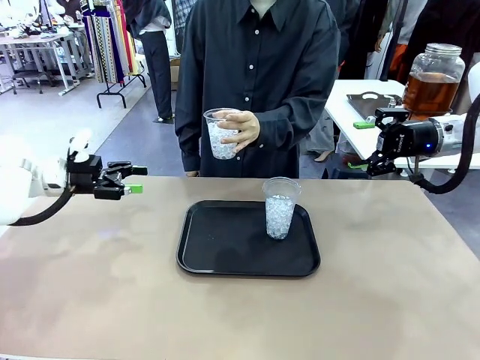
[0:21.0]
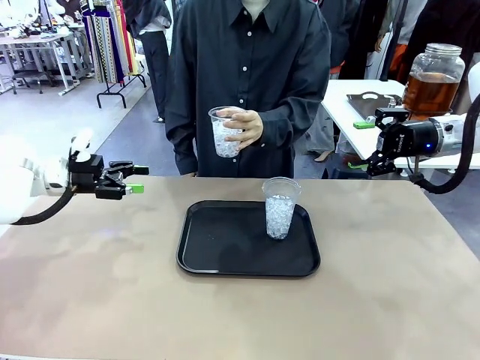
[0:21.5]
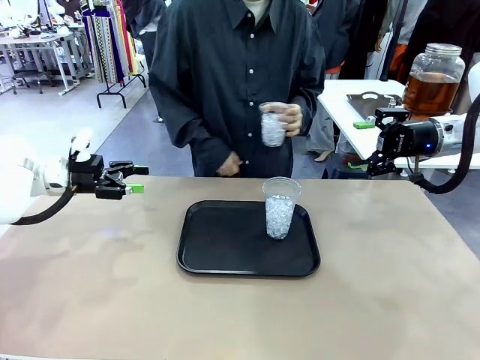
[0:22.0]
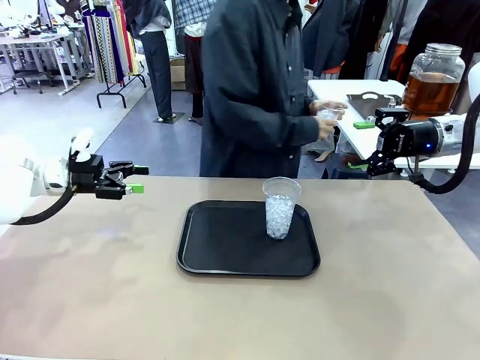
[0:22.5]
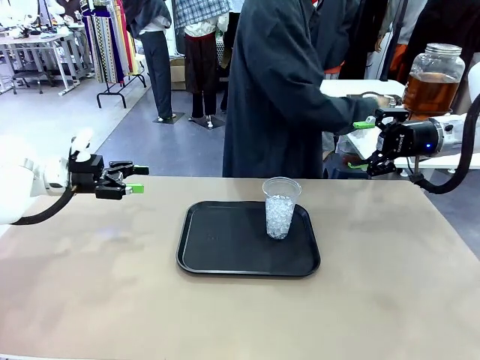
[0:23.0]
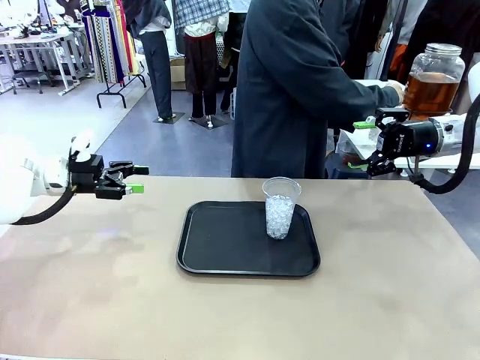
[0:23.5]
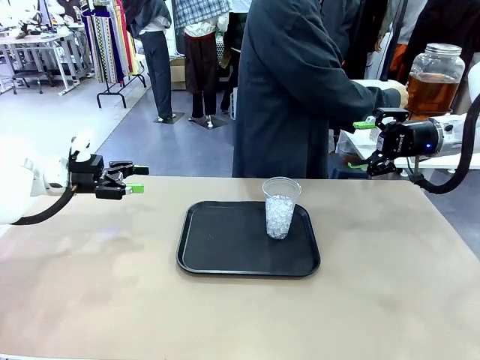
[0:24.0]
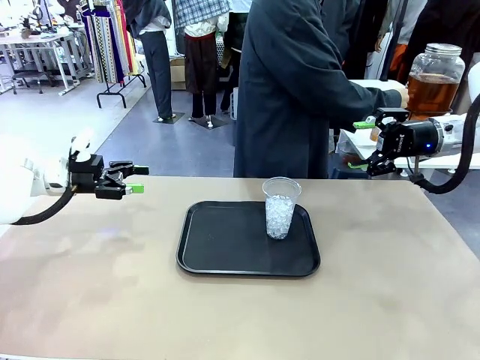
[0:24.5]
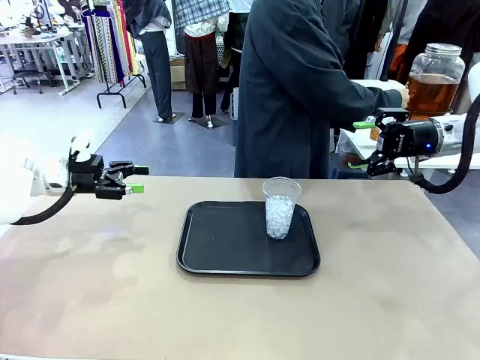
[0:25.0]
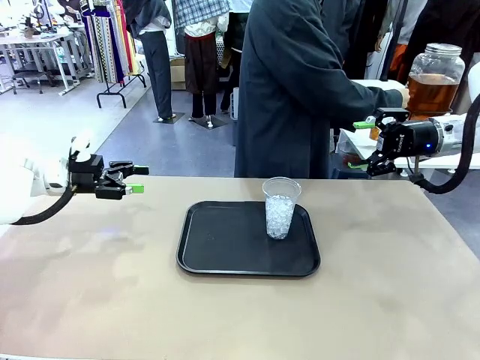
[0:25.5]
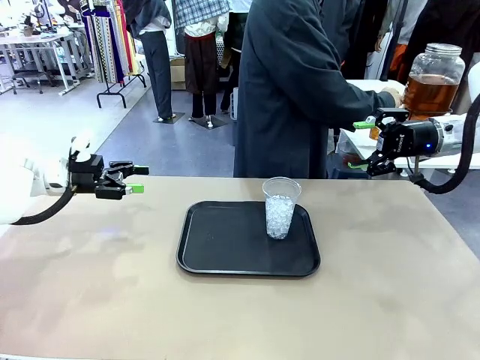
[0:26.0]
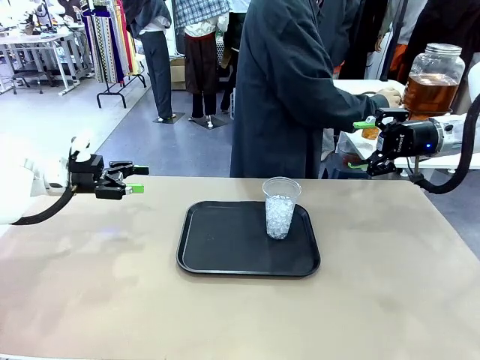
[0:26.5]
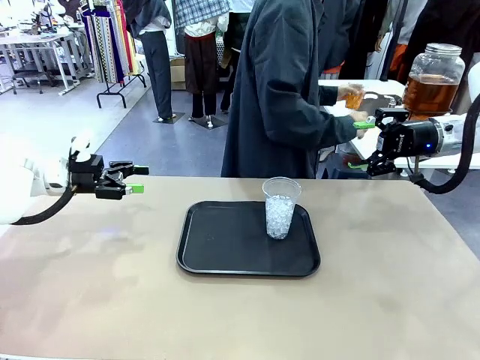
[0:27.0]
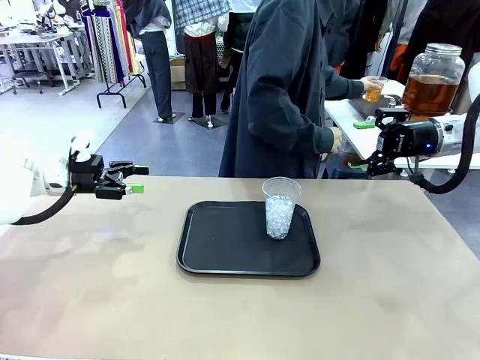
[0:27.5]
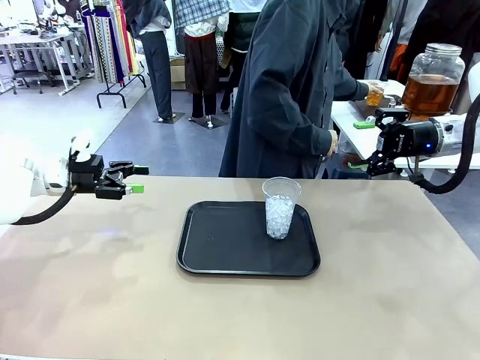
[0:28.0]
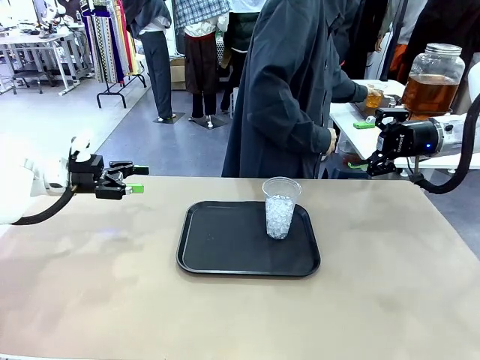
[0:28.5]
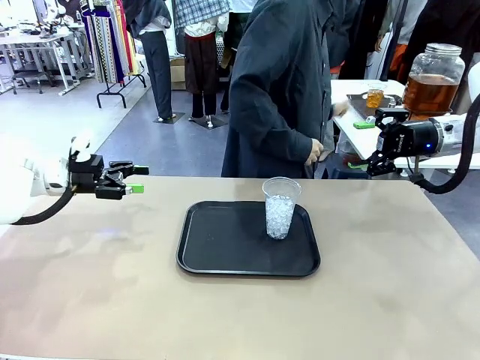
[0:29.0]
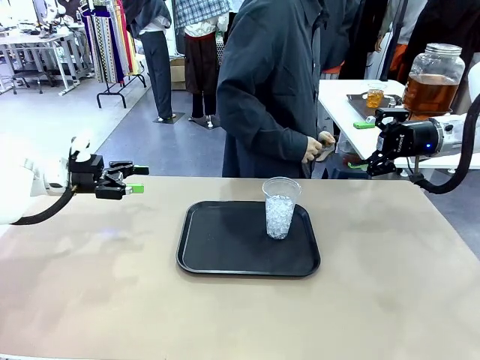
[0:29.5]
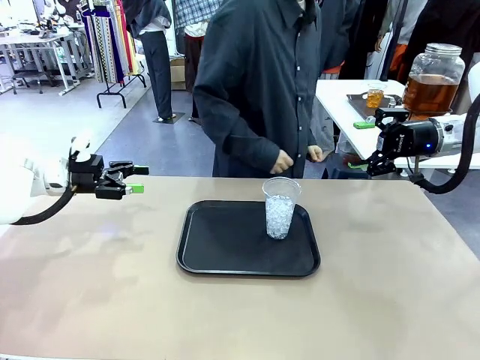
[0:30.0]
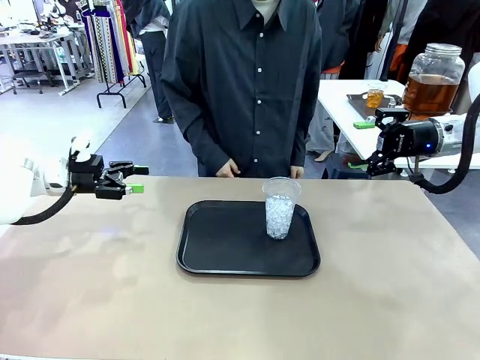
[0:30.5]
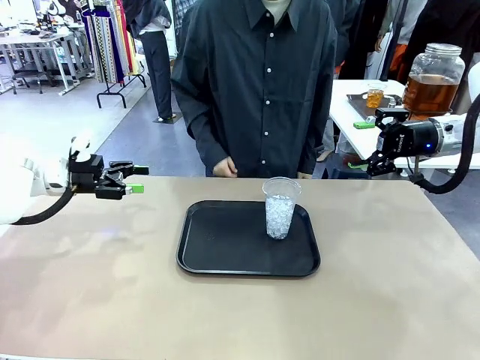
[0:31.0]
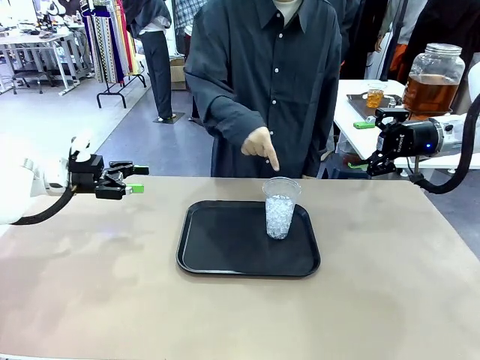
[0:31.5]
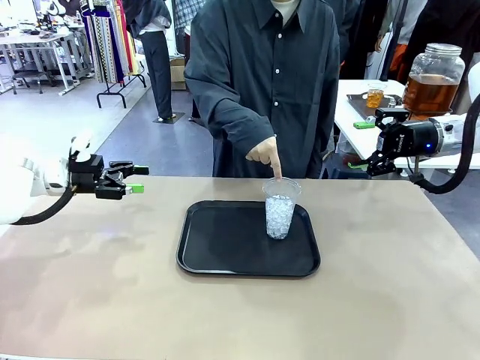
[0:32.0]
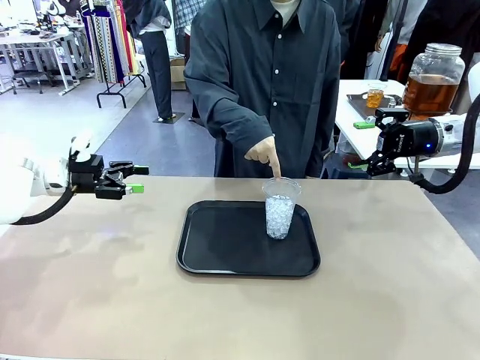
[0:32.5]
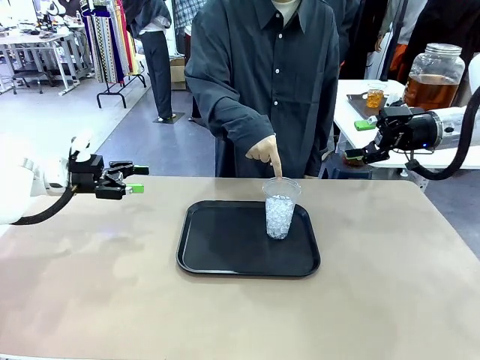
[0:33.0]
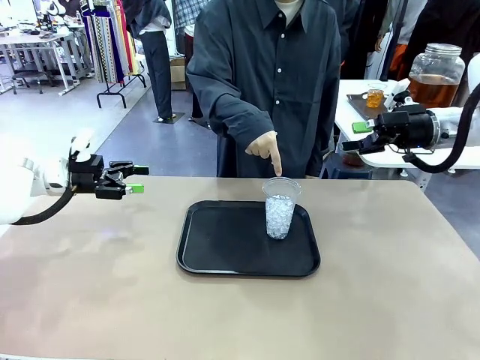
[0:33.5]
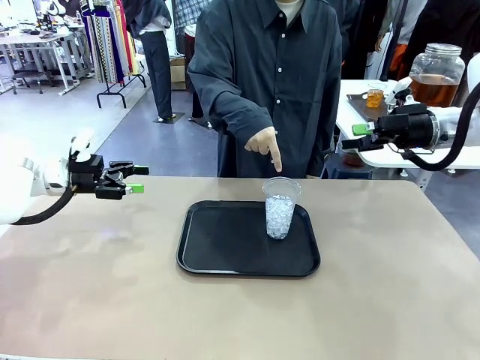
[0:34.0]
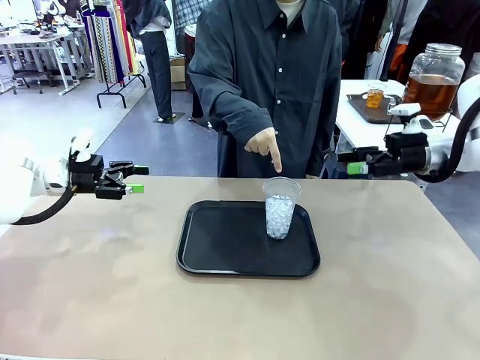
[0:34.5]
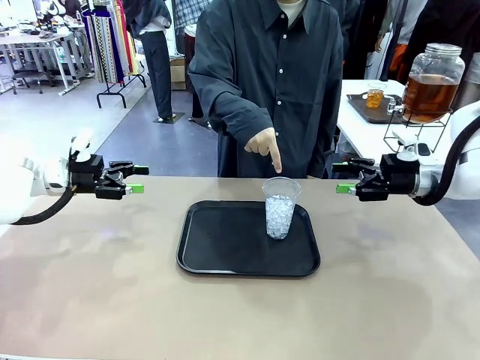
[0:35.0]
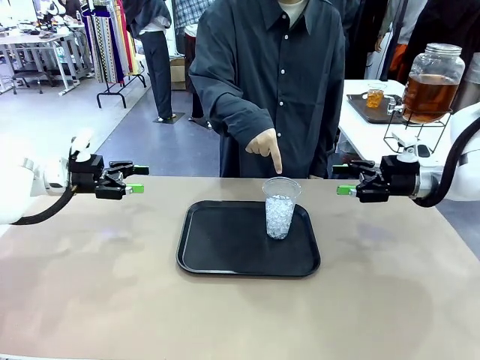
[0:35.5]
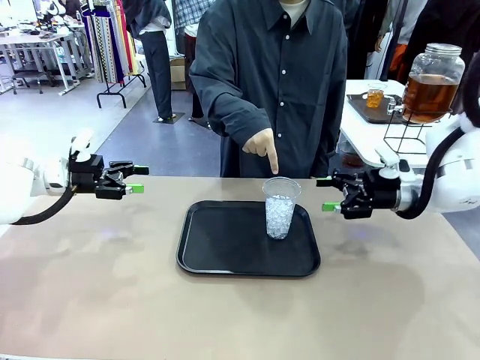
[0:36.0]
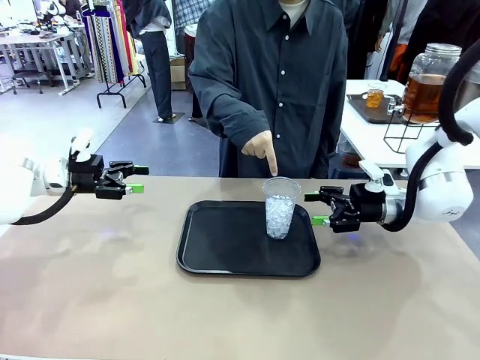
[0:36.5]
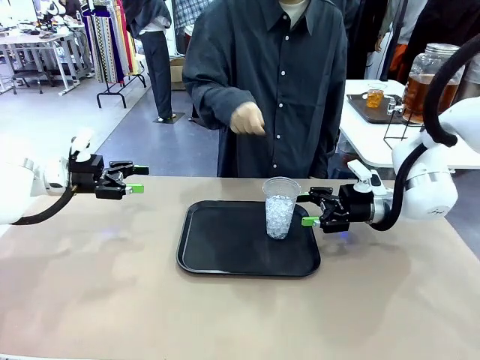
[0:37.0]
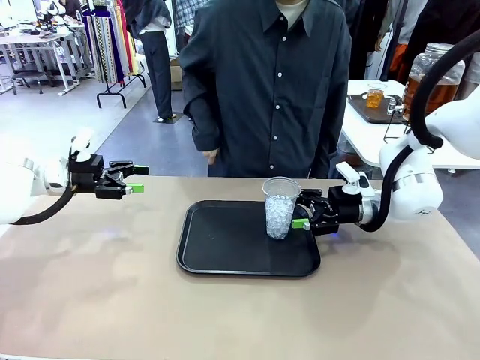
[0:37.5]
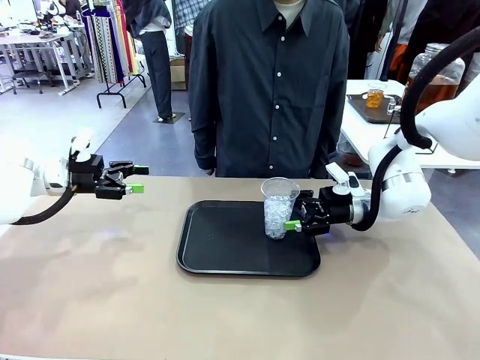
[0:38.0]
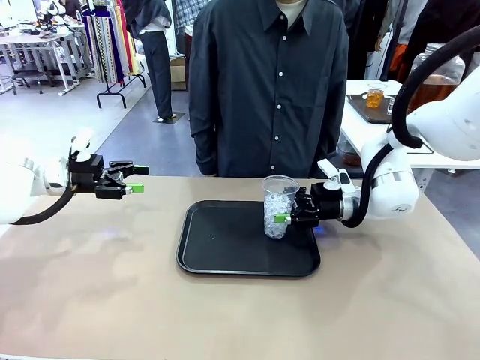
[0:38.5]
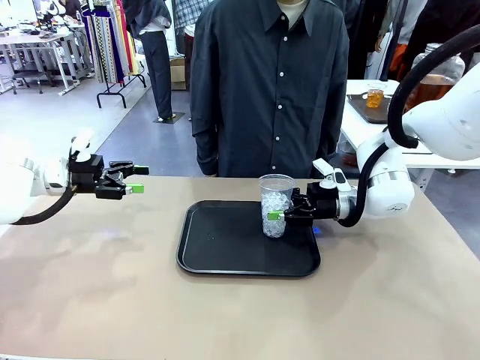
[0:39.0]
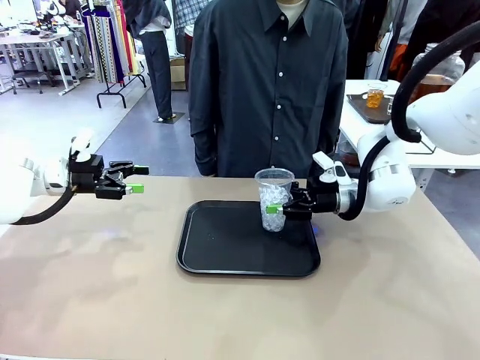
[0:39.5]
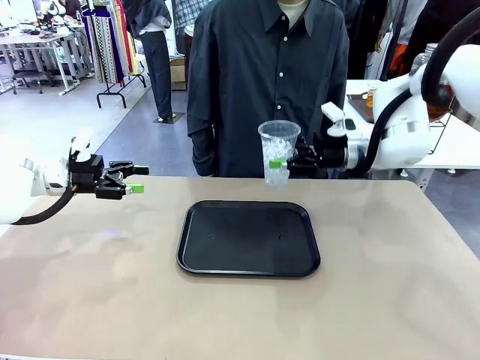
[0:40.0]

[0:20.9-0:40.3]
Task: Pour the drink into the iced cup.
Robot: Pick up the iced cup indicated by the human and present it to them.
Person: Move the picked-up cup under the dispenser faucet, pour the drink, and place it on the tray on the human table. Point to the remaining ice cup on the robot table. Pick up the cup offered by the robot.
